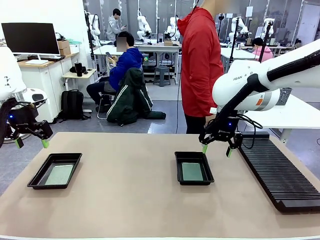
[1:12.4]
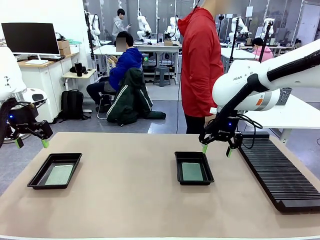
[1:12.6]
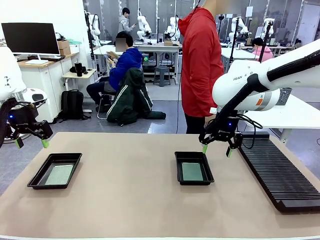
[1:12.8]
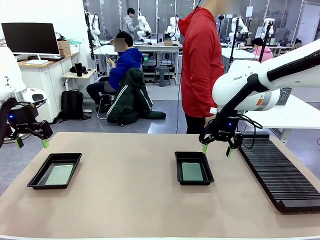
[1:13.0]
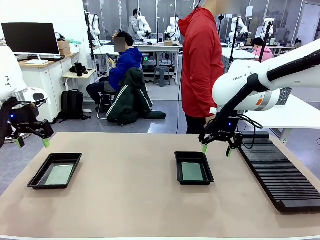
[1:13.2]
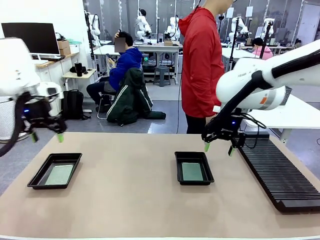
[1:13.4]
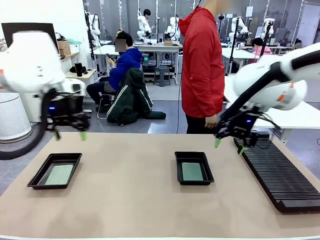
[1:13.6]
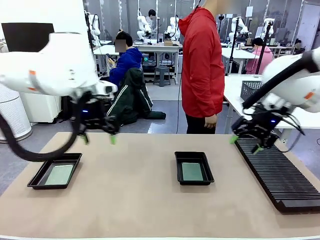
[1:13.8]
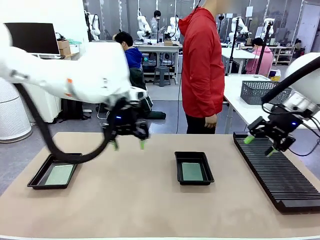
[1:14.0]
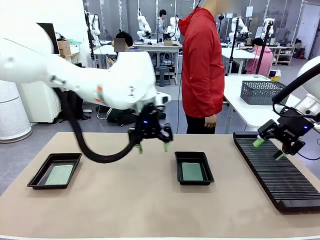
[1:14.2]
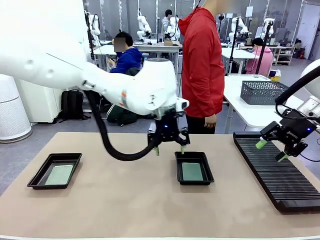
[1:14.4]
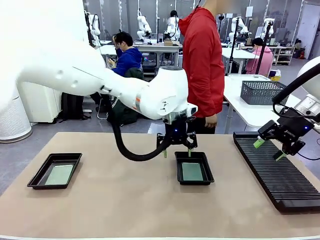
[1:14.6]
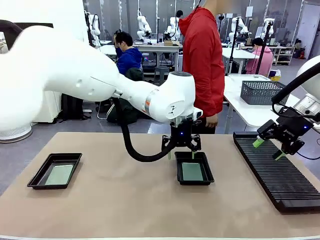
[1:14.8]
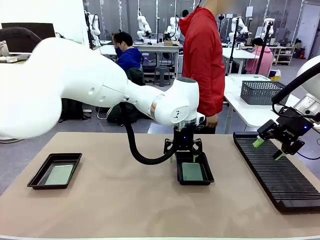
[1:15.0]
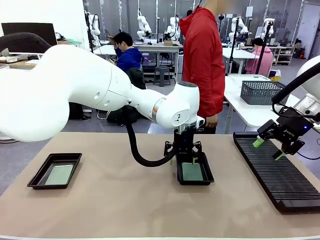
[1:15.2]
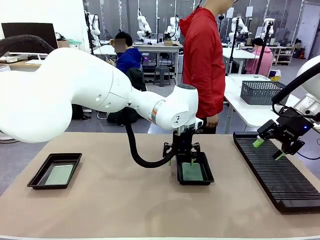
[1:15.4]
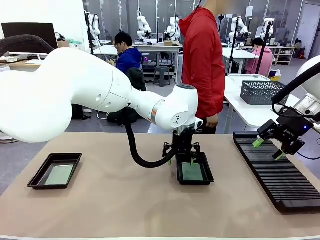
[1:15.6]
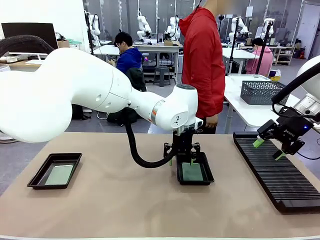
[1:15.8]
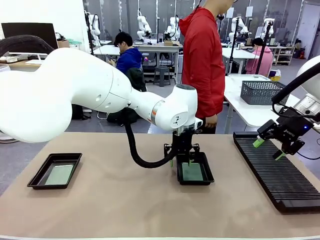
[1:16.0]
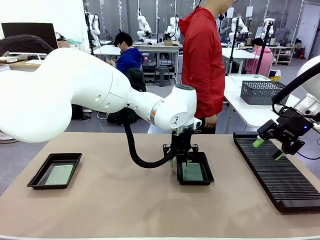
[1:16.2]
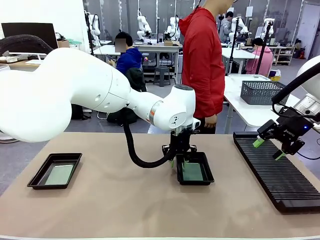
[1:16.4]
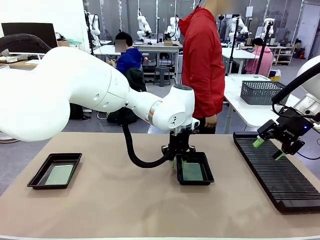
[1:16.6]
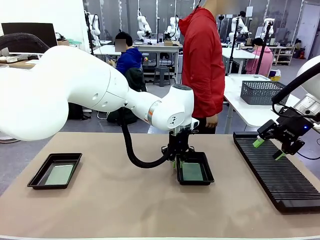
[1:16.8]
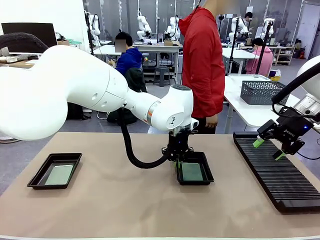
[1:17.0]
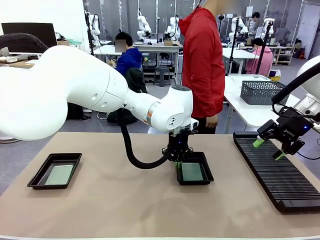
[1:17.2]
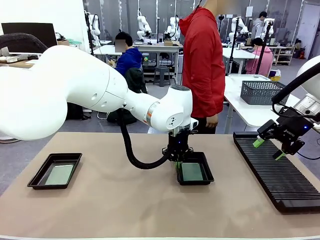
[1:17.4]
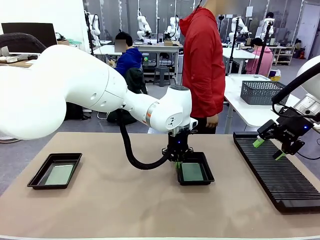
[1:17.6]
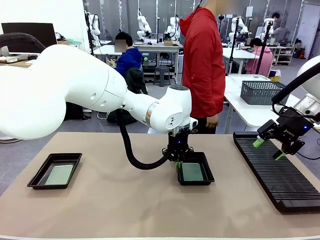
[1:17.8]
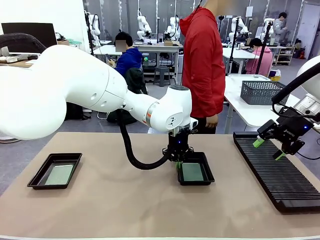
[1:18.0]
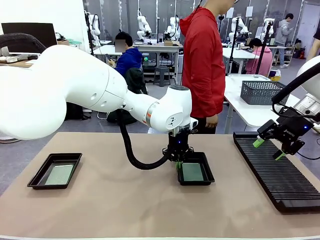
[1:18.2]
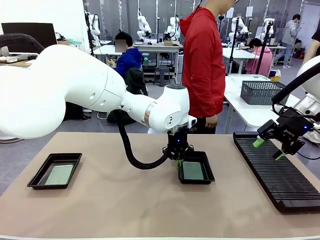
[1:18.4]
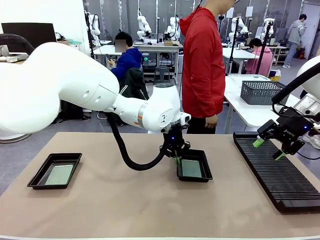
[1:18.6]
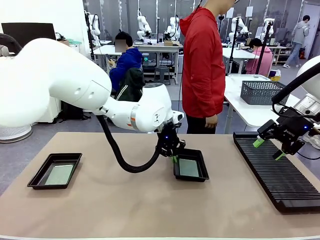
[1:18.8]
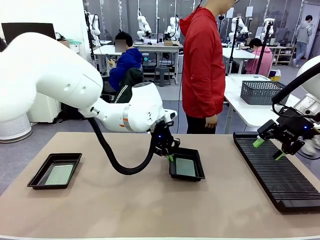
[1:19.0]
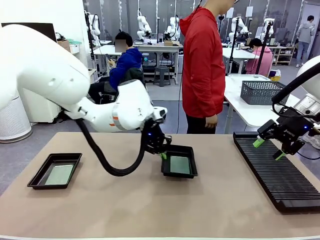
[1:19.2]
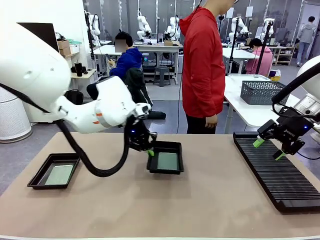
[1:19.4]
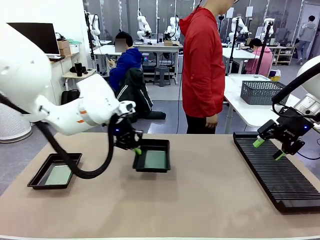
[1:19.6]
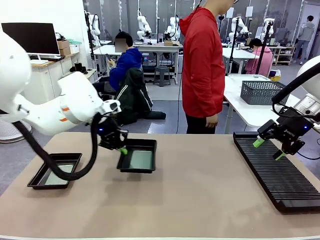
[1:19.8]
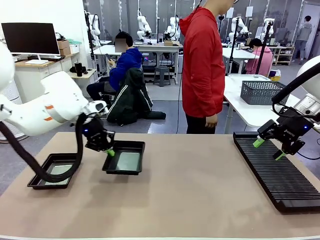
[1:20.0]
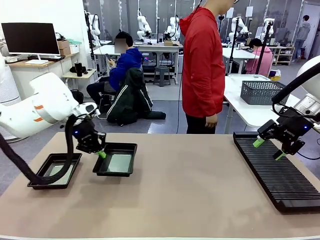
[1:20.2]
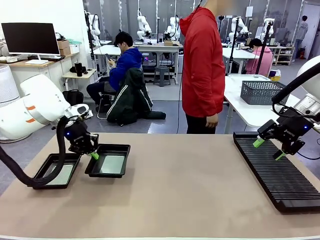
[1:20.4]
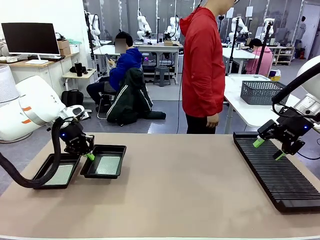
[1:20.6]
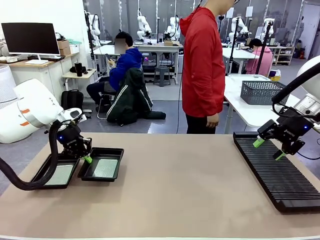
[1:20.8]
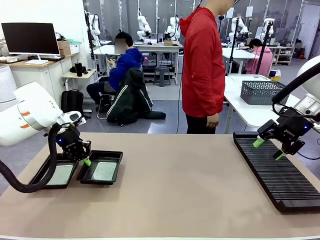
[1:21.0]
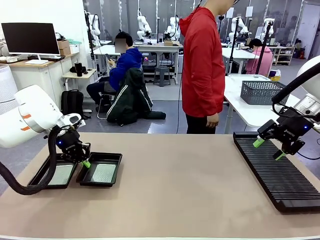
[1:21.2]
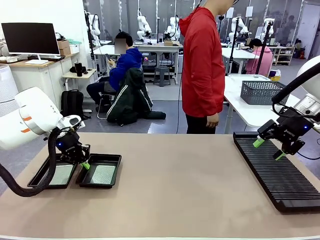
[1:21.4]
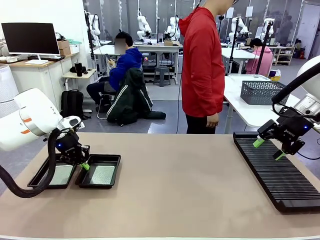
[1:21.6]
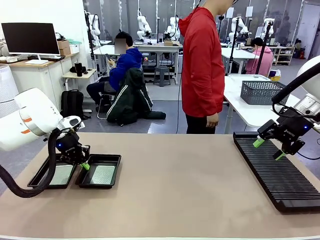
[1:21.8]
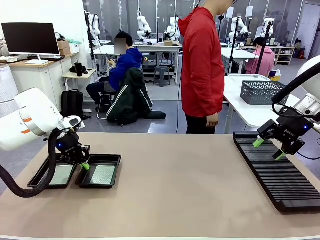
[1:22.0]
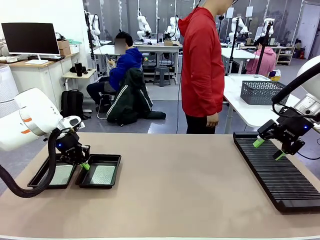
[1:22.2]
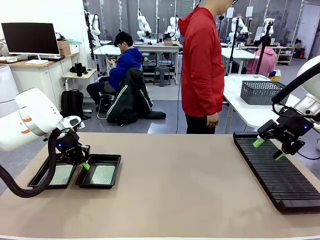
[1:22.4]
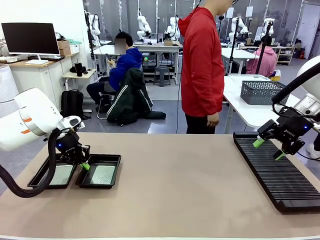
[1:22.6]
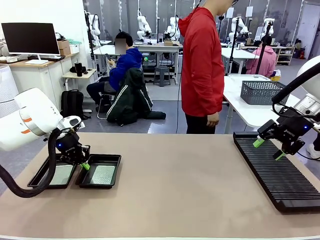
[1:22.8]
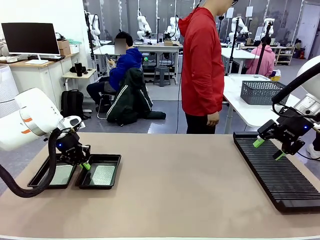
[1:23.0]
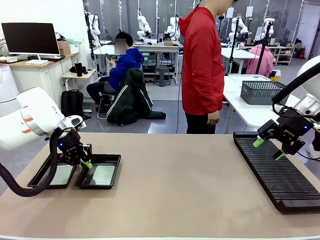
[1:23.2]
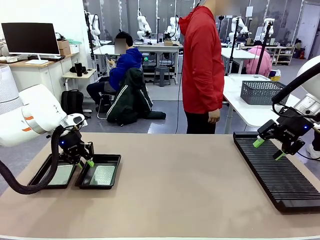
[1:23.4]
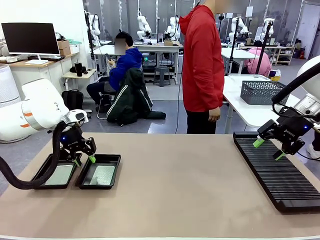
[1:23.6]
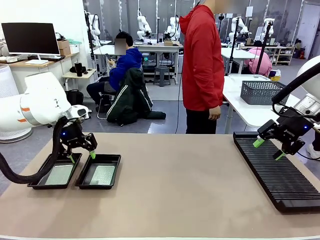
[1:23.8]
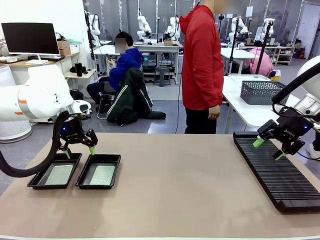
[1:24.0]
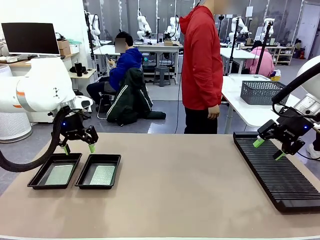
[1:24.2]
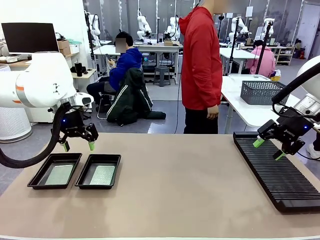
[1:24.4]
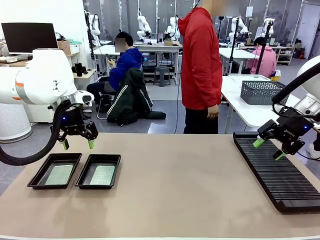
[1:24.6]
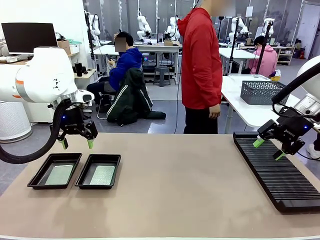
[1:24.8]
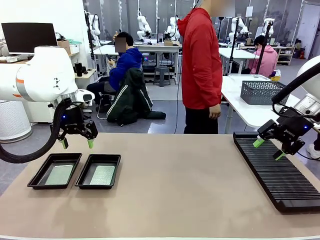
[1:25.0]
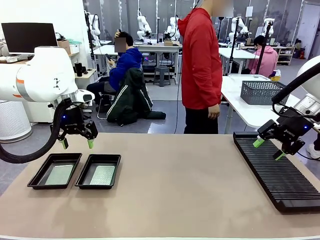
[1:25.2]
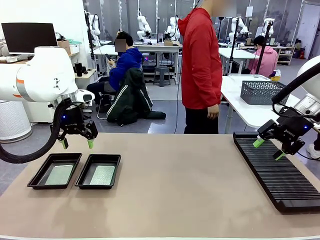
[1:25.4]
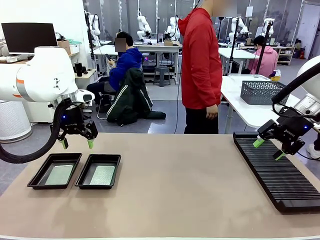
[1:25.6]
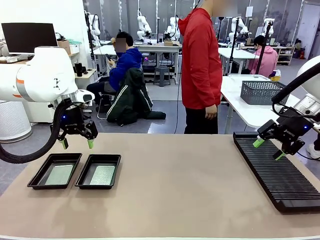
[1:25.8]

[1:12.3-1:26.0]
Task: Inspect and transfer BCBs to ESD trays.
Robot: Pick up the ESD tray and place it on the left side of the table.
